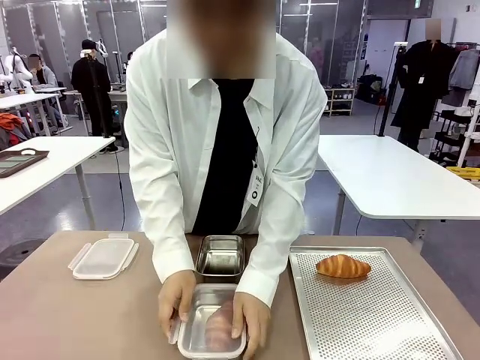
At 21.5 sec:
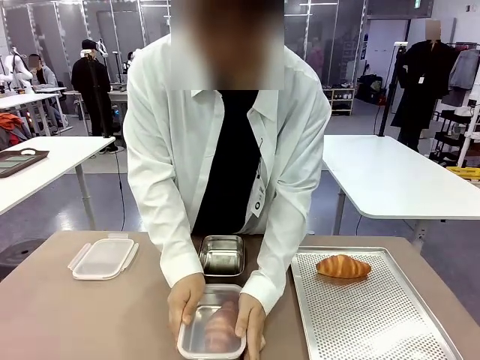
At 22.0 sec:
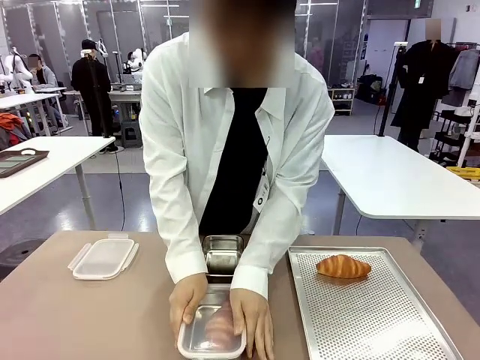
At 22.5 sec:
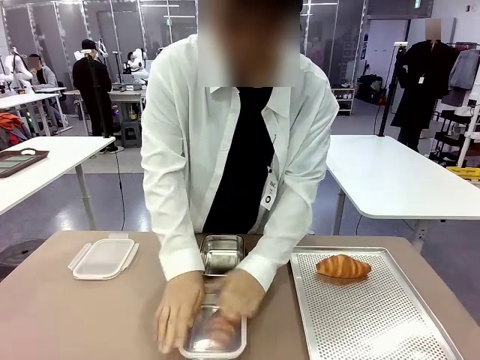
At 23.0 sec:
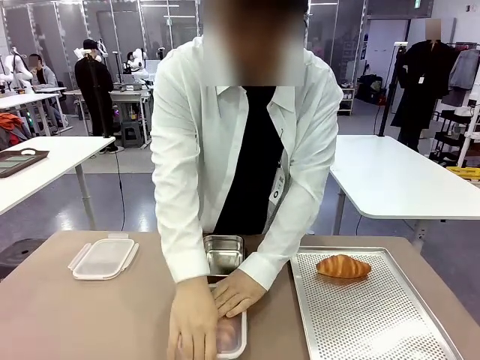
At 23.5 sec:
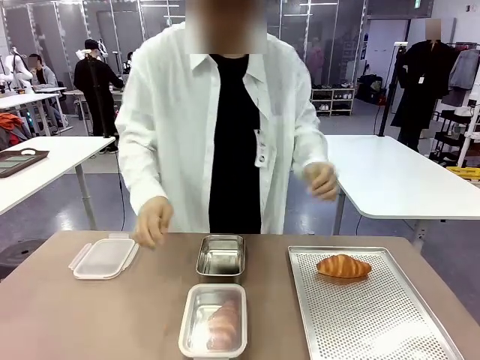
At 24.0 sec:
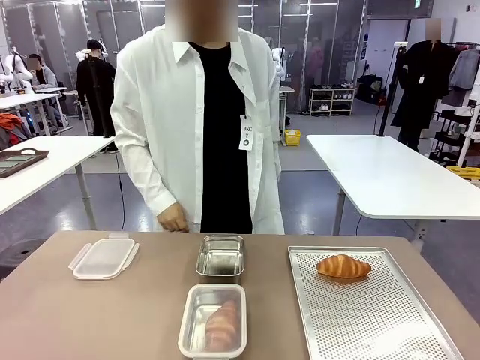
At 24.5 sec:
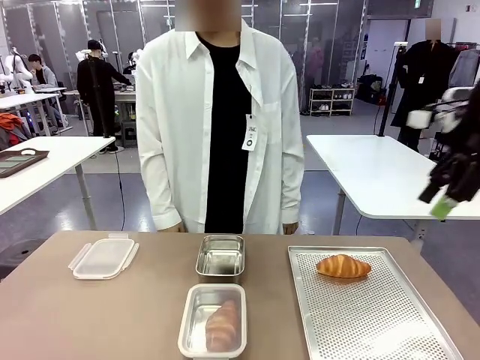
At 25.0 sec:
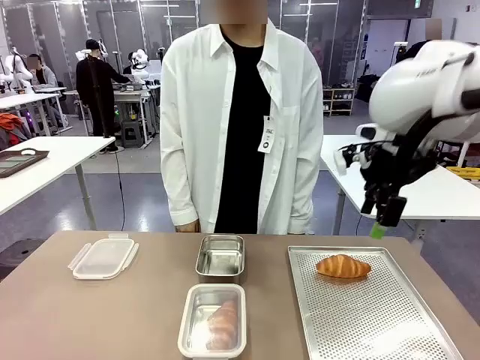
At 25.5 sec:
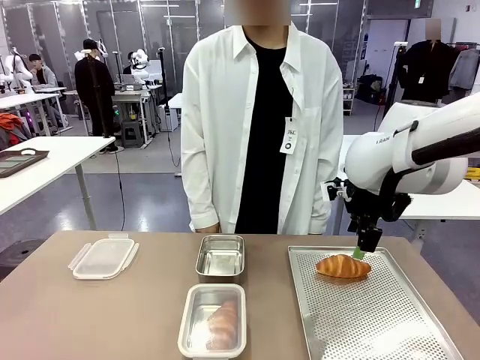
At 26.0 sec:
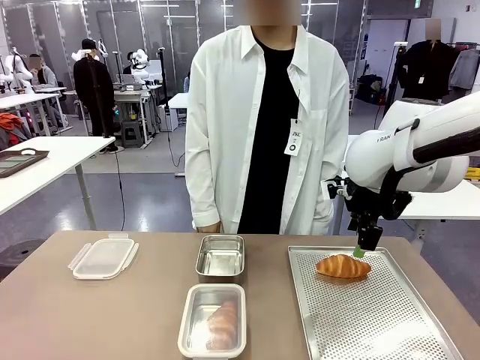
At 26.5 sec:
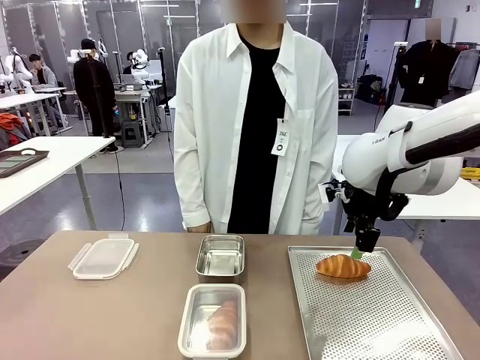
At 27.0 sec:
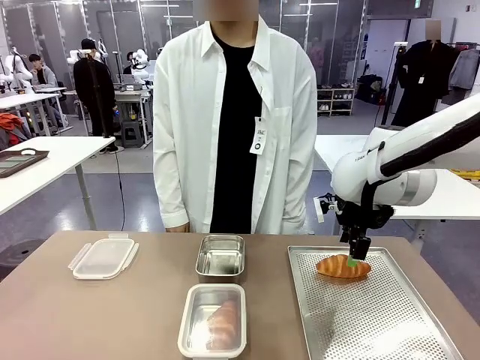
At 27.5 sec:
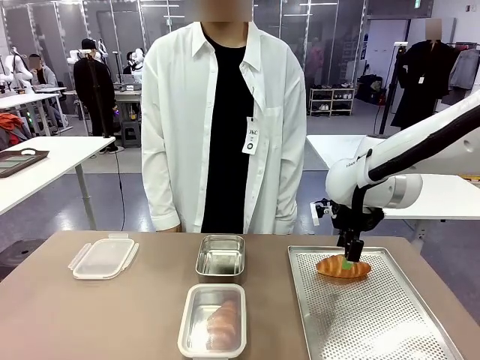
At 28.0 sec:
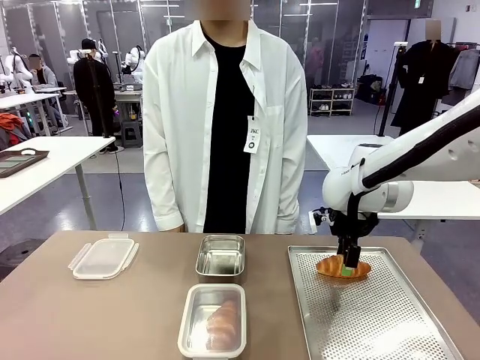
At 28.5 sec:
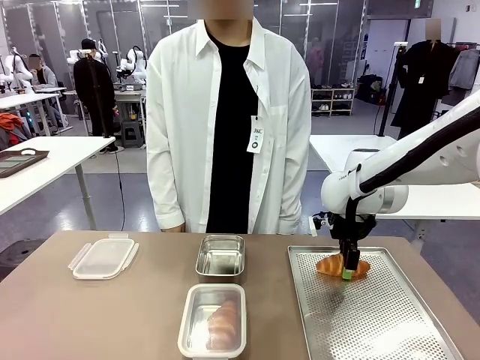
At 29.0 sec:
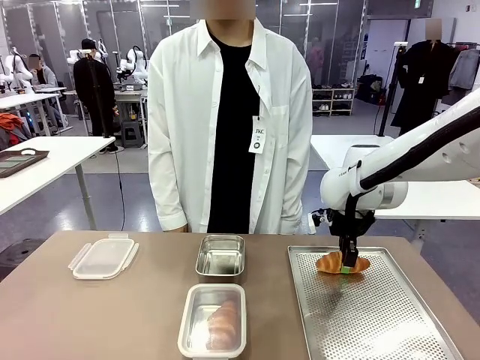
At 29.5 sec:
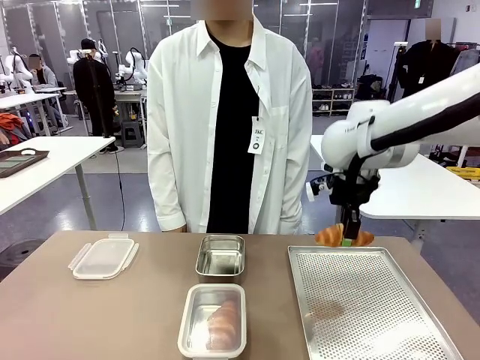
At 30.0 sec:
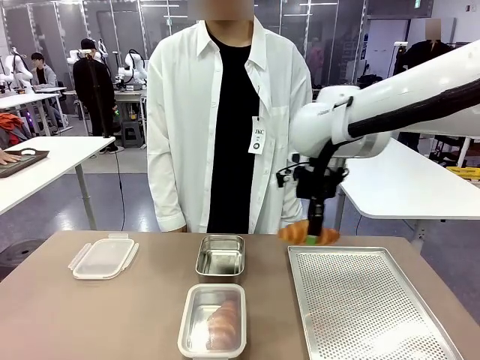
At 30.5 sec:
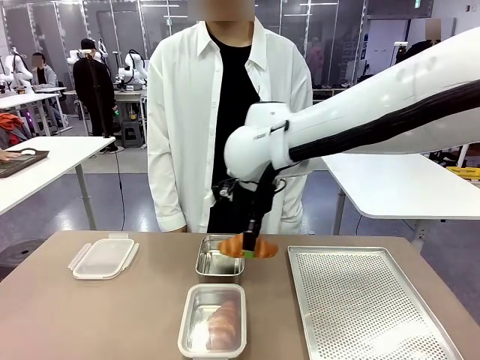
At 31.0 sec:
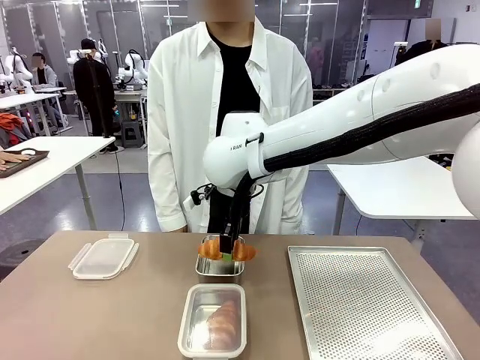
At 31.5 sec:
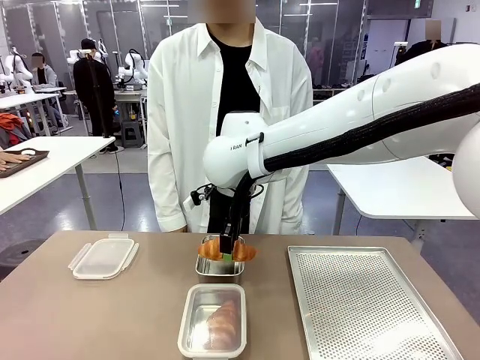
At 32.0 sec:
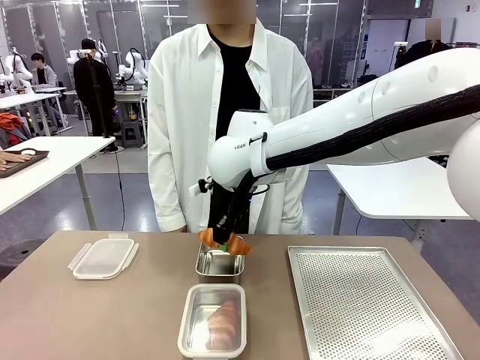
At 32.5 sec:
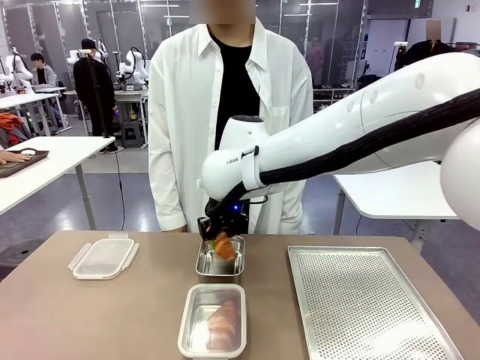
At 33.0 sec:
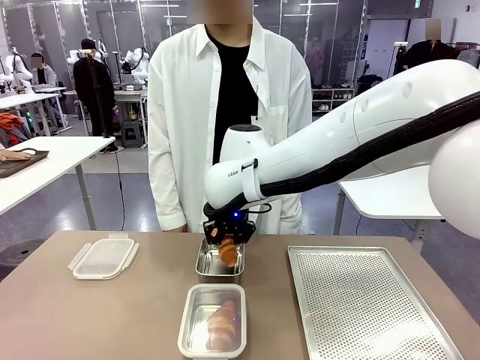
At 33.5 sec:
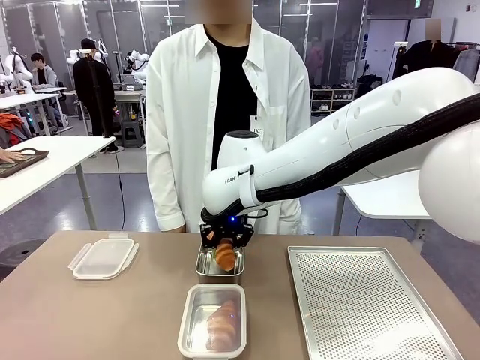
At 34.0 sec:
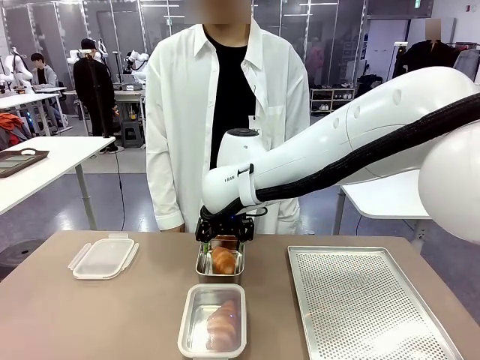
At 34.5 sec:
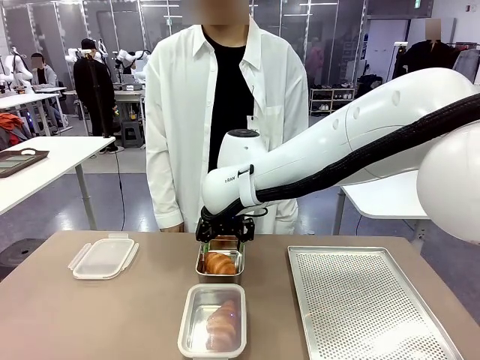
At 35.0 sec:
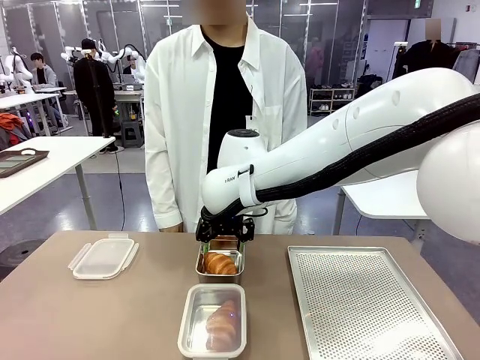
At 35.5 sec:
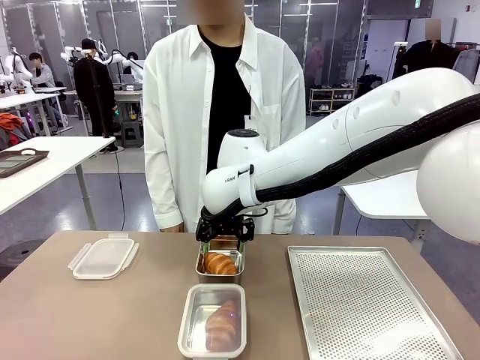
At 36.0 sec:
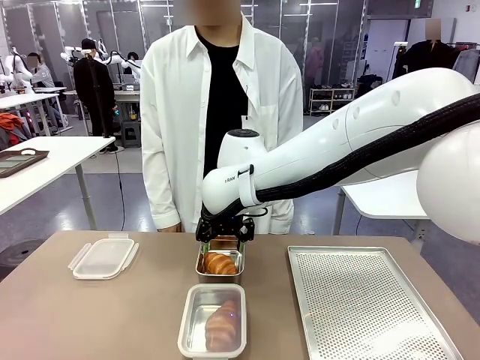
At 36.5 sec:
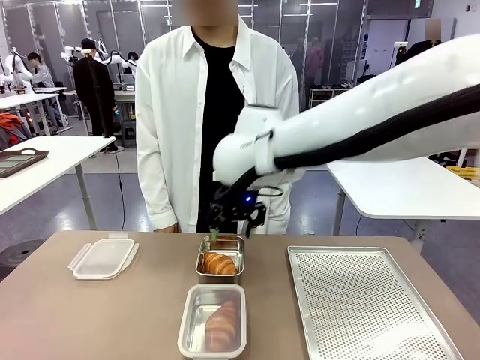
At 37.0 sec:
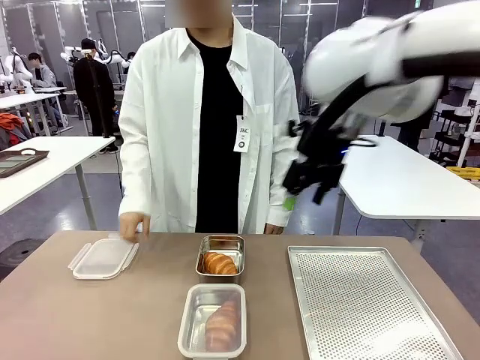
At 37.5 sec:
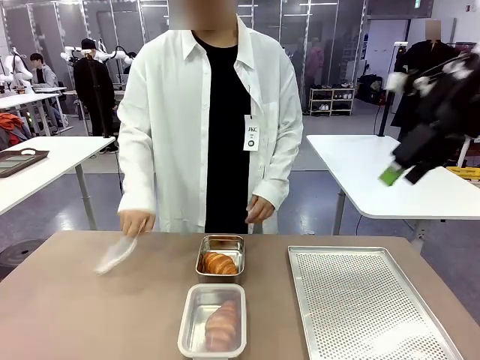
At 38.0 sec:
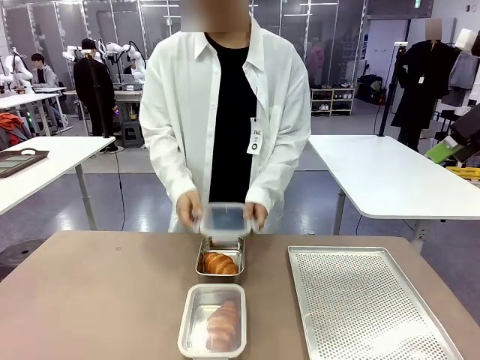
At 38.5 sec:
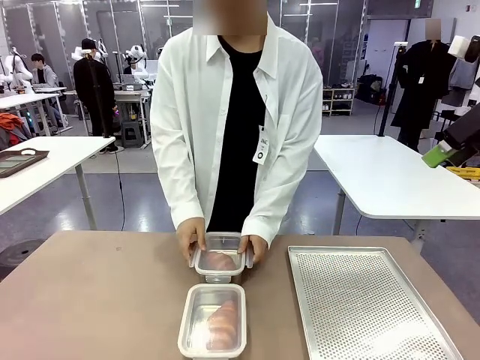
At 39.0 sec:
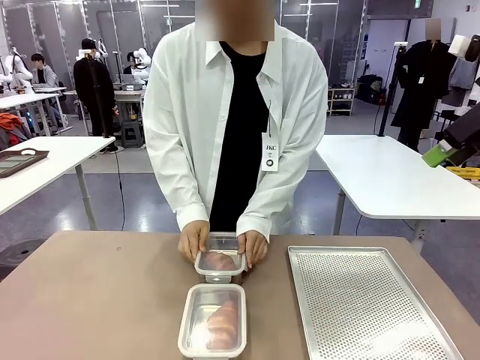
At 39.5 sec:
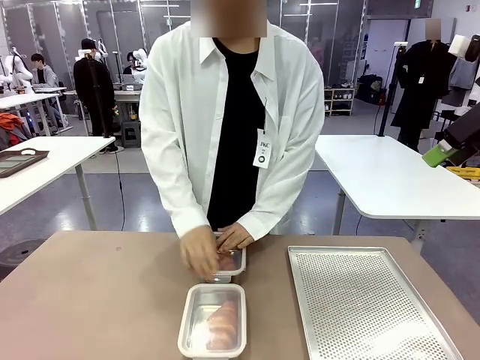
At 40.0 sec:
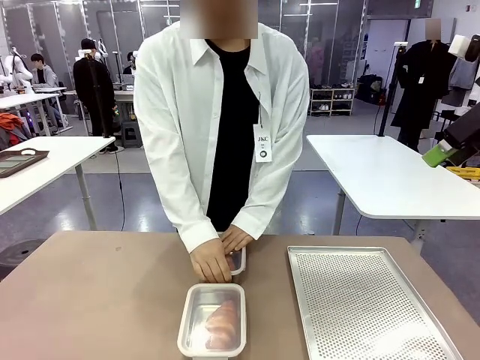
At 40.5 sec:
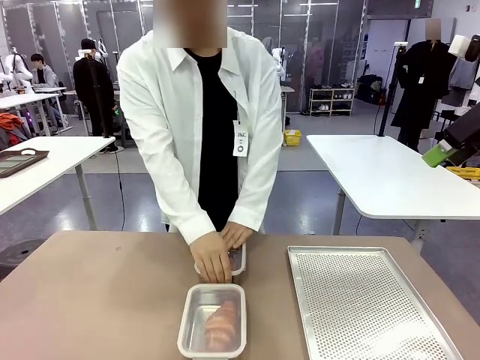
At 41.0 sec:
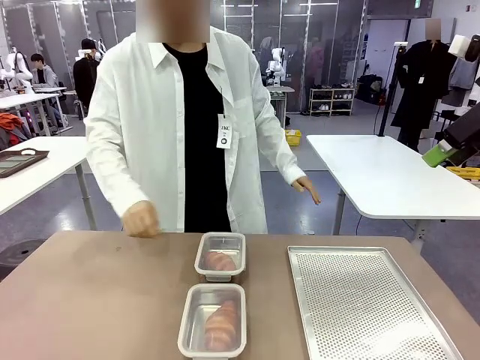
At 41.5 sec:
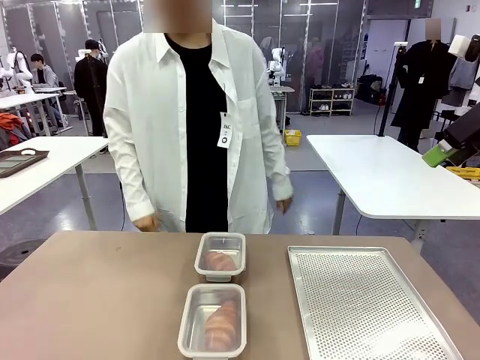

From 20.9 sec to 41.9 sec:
Task: Place the bread into the airtight container.
Robot: Pick up a Butter Roll and place it into an empty Airtight Container.
Person: Once a Butter Roll is inside an Airtight Container , close the lid of that Airtight Container.
